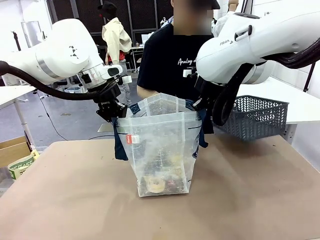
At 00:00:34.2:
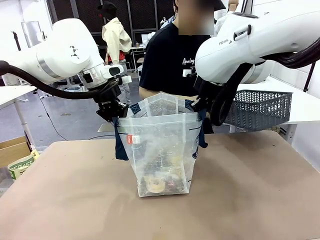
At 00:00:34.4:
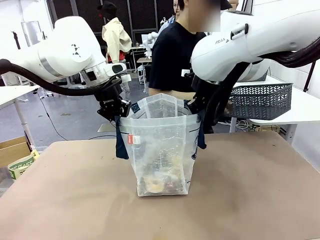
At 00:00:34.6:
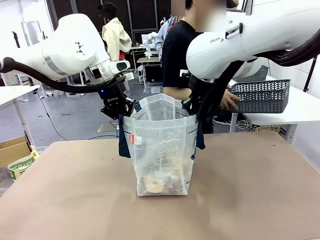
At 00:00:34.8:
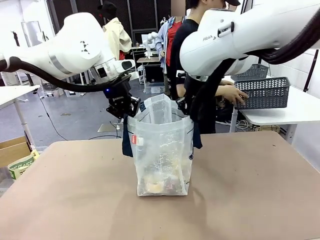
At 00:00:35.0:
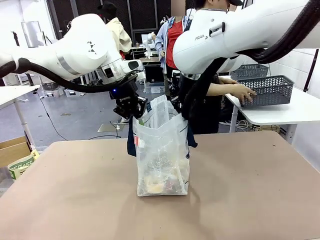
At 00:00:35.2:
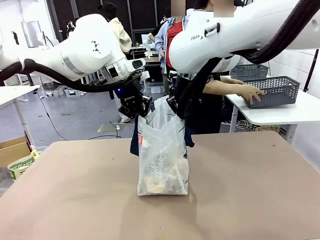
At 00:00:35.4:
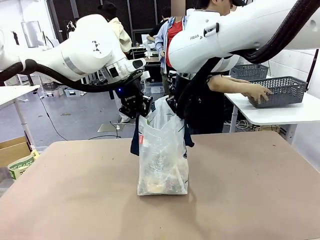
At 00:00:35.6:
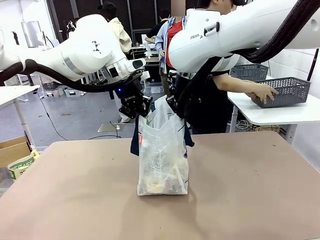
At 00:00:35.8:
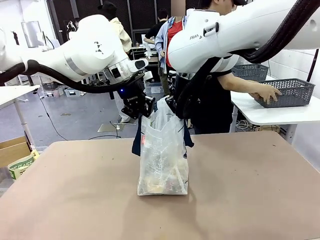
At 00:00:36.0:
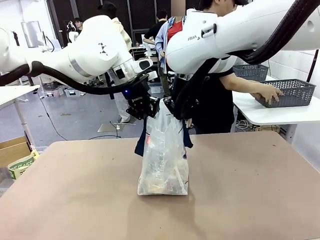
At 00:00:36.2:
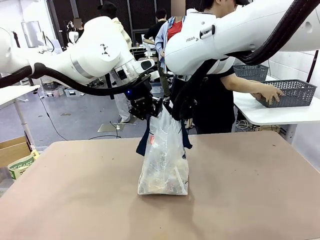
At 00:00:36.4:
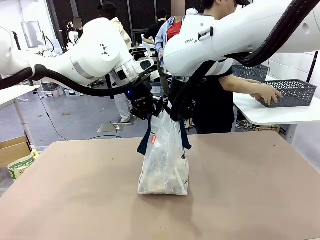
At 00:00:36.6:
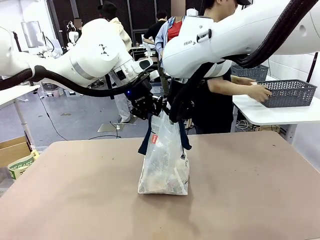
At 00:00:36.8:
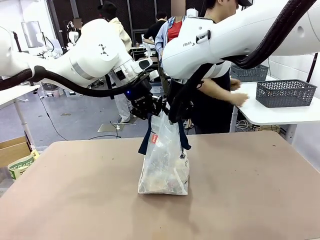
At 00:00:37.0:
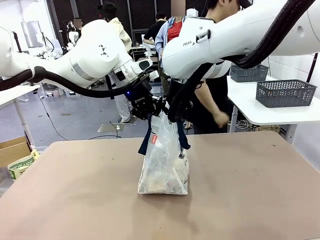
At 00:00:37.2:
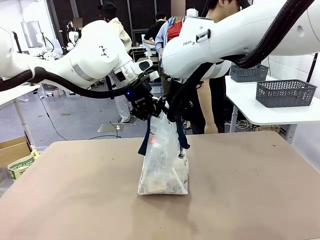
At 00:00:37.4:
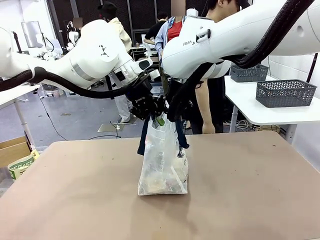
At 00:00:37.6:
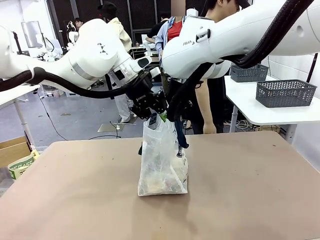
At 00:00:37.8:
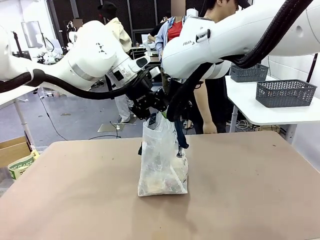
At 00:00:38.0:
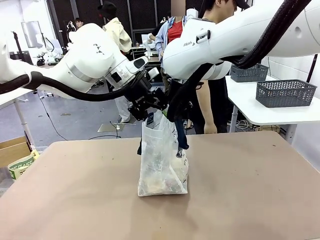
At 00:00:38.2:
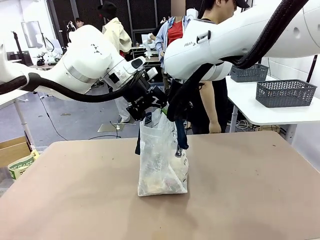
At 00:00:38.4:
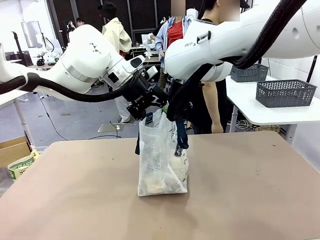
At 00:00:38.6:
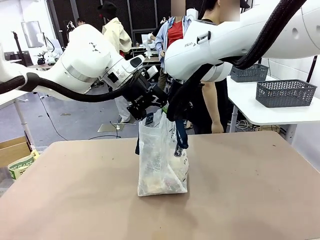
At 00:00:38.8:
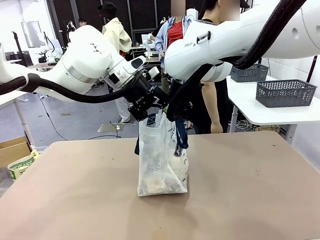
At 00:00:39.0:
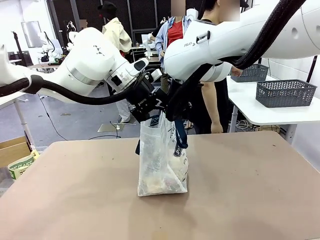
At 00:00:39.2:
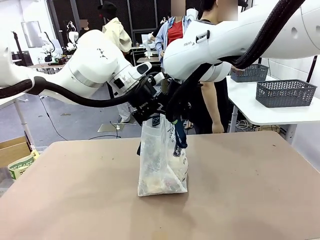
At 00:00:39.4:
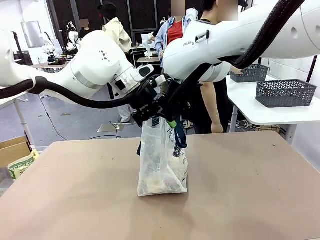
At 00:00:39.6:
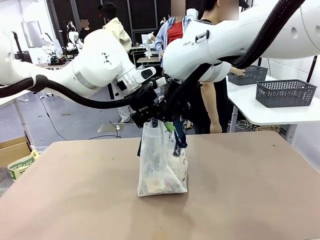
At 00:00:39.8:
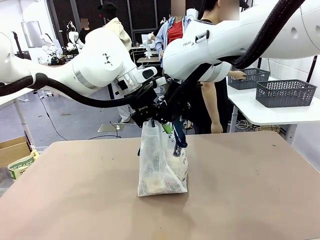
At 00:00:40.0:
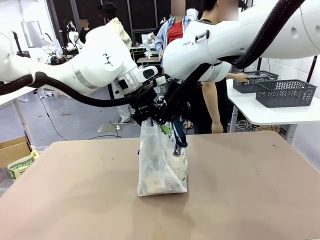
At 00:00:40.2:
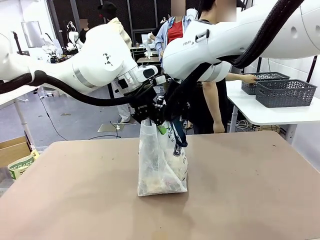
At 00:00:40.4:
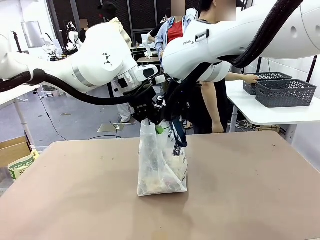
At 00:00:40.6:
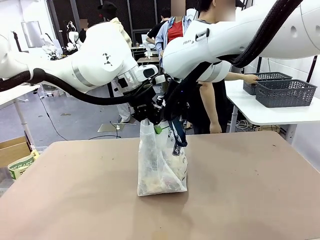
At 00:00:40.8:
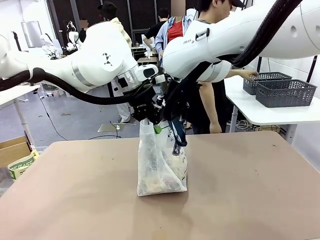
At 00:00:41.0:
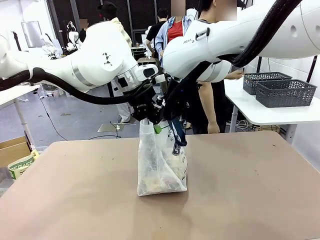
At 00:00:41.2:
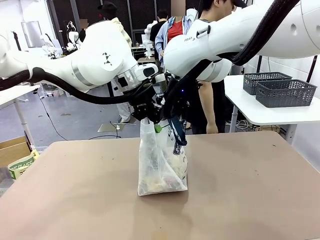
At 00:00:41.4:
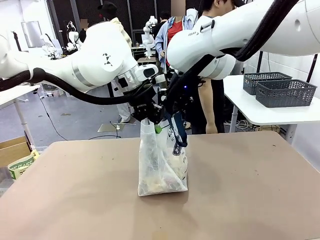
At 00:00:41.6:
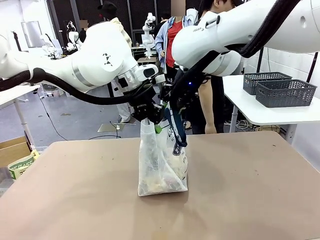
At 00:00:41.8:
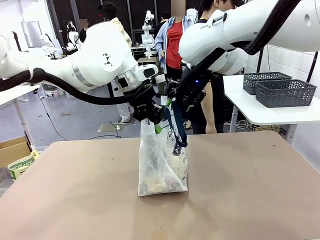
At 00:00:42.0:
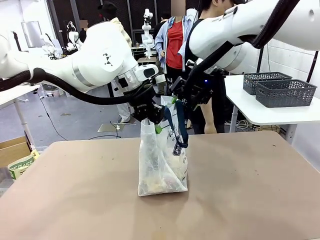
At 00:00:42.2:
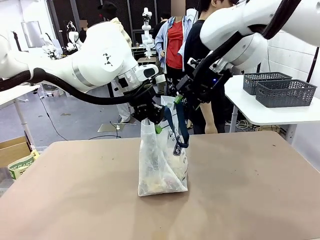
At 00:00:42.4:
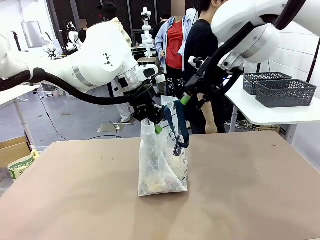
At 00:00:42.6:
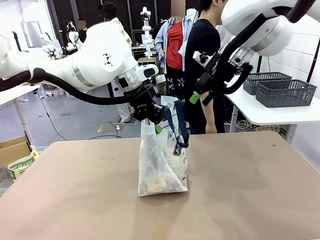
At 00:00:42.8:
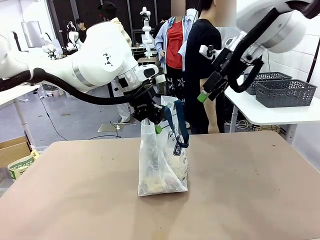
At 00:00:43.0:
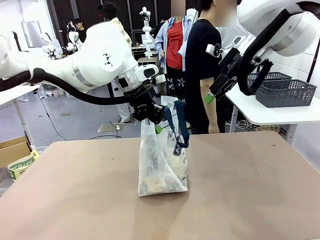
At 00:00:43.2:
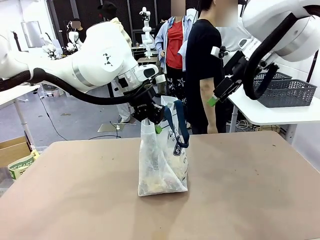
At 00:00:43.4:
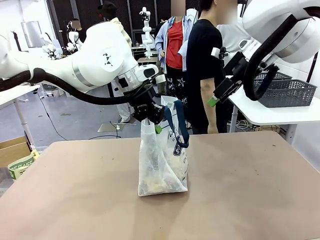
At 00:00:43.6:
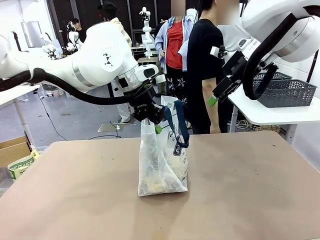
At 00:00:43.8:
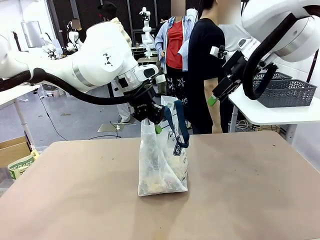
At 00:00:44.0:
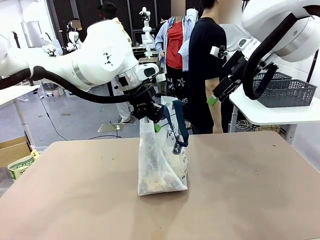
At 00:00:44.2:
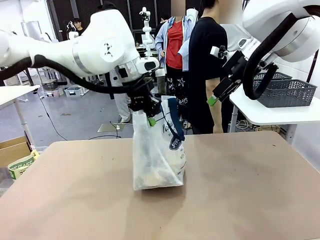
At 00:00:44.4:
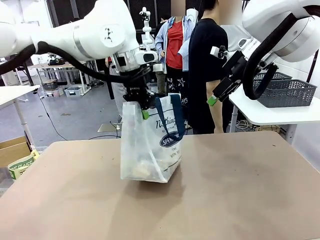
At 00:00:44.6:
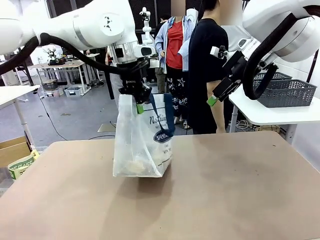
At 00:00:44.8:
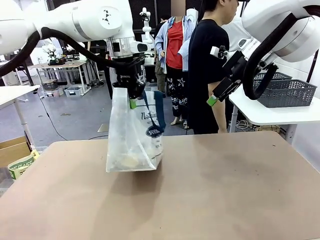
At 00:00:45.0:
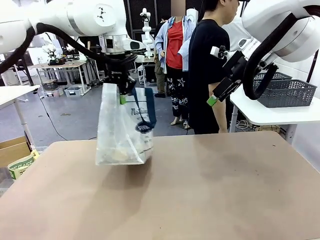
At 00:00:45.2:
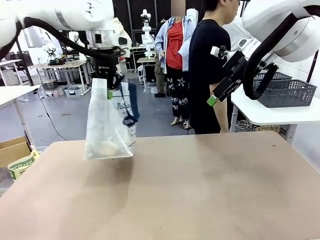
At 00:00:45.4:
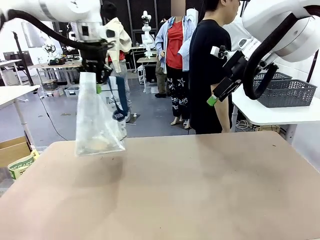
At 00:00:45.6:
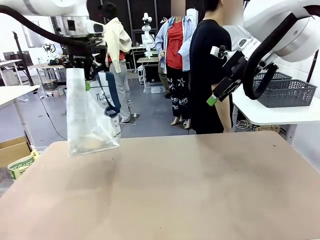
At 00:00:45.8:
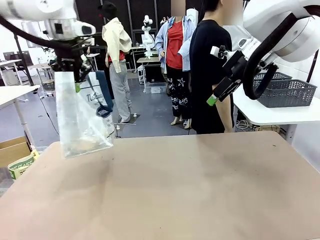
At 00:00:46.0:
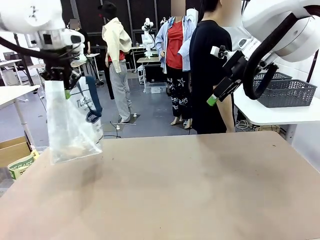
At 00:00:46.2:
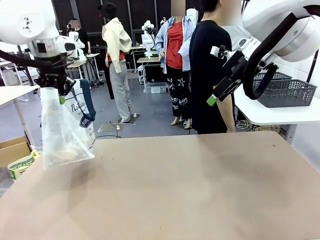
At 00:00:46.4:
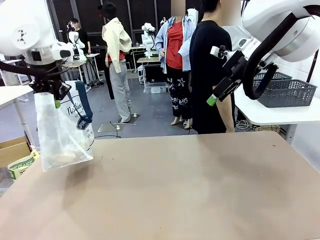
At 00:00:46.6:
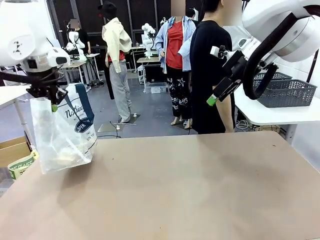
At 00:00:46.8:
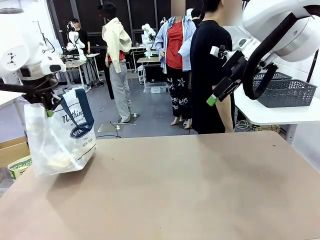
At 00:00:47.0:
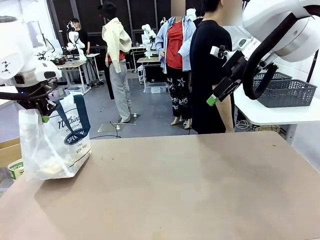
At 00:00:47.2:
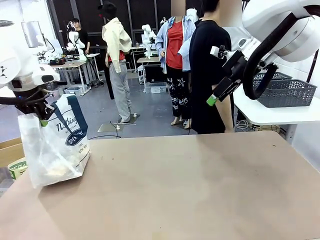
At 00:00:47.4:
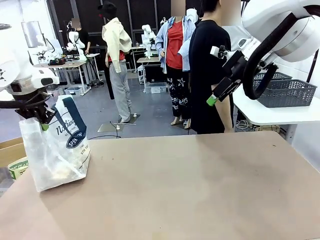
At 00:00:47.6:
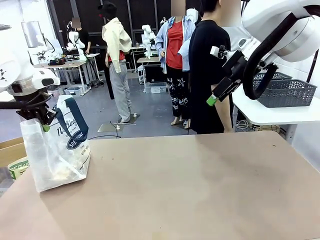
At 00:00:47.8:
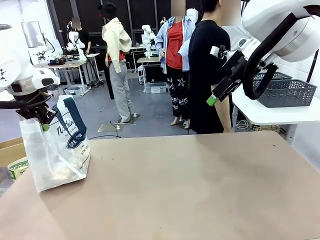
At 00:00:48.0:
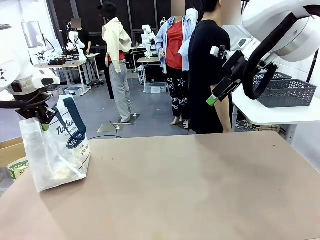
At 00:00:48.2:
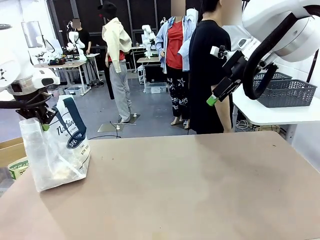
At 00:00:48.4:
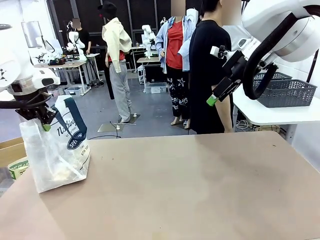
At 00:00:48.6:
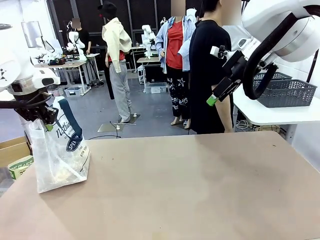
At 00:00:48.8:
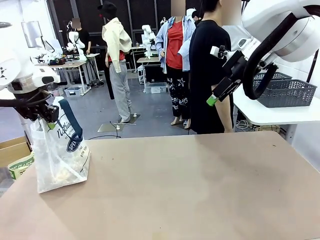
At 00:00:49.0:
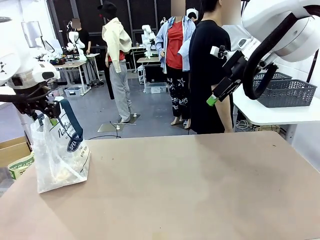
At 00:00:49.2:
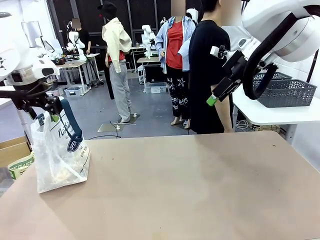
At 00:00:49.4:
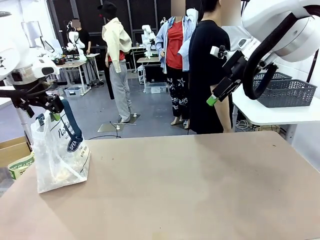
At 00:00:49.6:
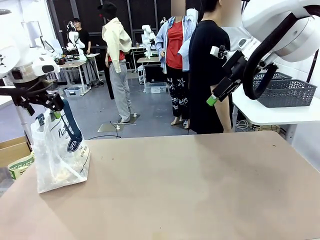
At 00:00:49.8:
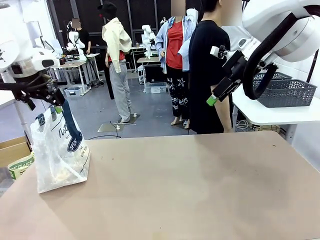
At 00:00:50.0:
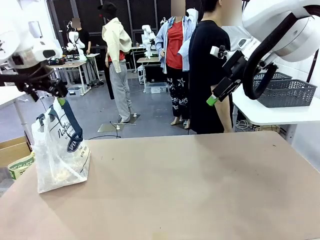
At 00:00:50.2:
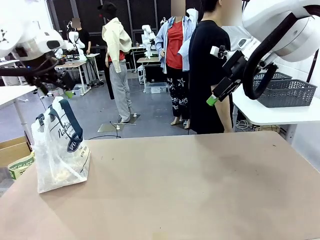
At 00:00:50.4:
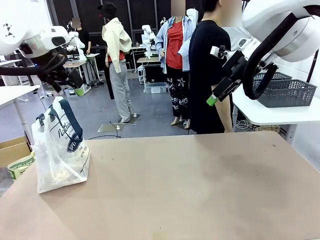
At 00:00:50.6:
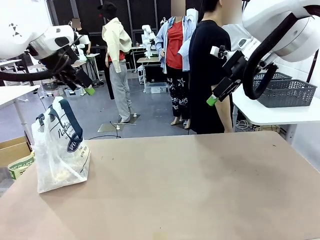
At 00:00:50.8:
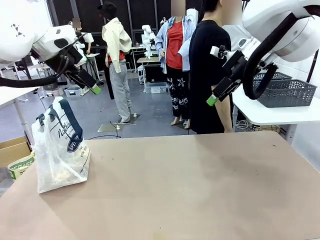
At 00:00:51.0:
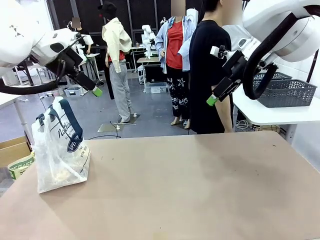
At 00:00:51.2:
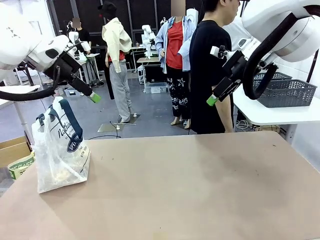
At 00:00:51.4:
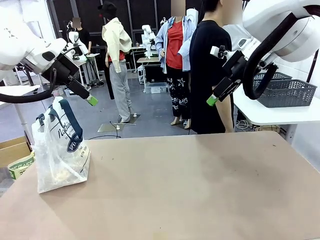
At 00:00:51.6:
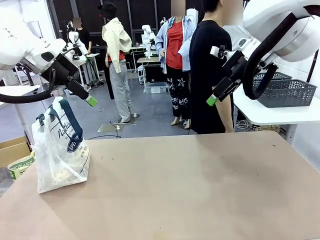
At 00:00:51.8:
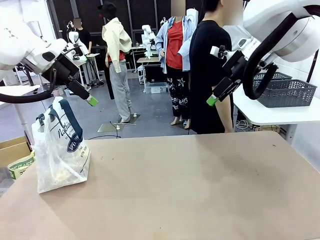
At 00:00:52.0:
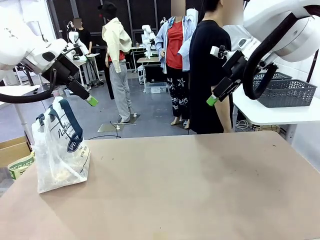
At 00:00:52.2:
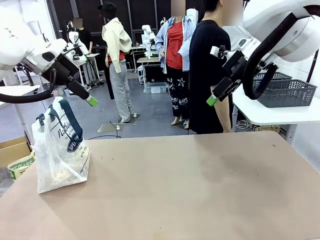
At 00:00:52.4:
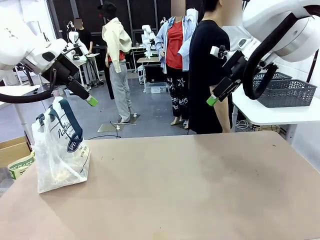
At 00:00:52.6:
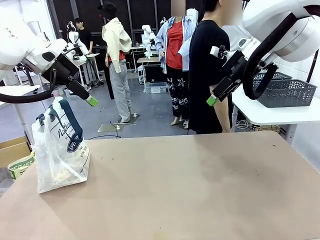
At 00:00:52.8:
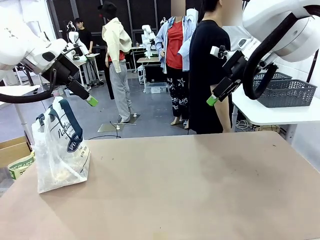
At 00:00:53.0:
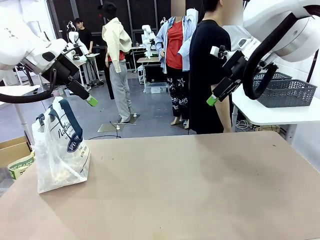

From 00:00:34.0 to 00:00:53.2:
Task: Transfer purchased items from the store into the shopping bag.
Robot: Move the Reusable shopping bag to the right side of the table.
Person: Pick up the basket with the items out and place it on the right side of the human table. Move the basket on the left to the middle of the person's table.
